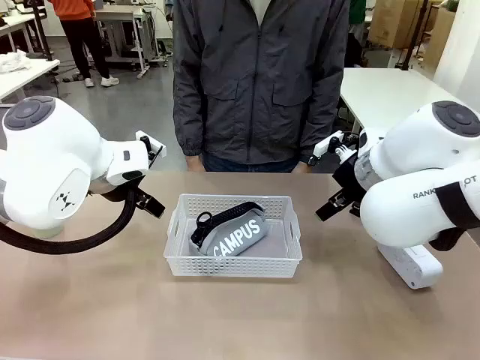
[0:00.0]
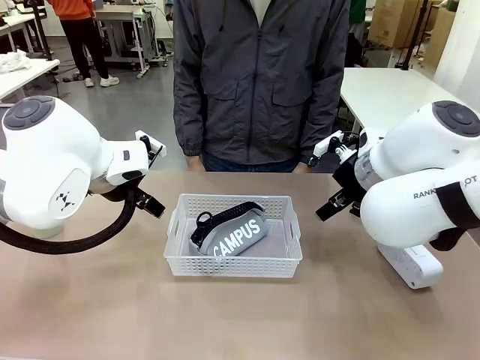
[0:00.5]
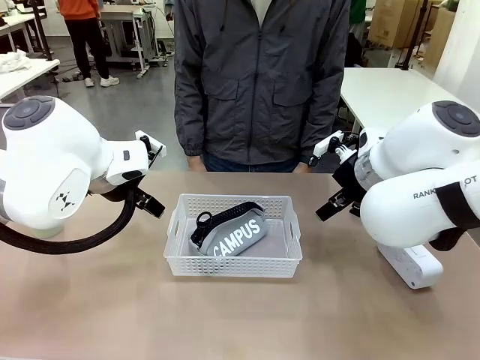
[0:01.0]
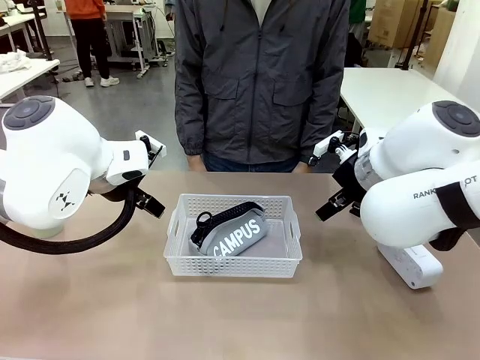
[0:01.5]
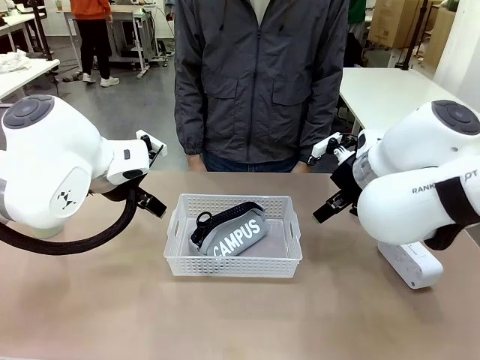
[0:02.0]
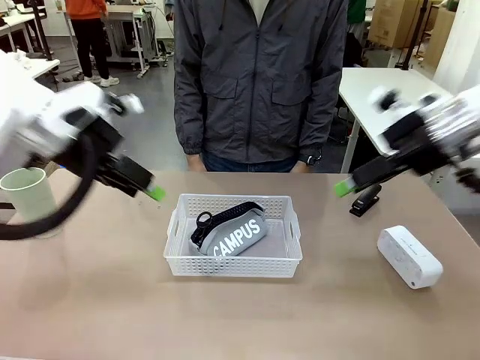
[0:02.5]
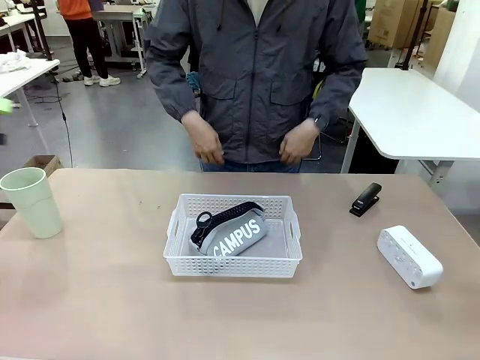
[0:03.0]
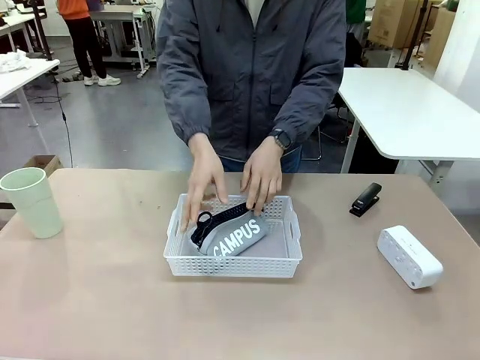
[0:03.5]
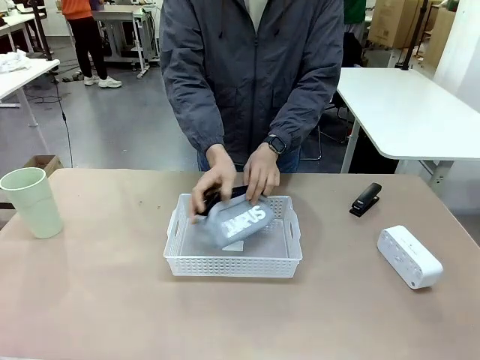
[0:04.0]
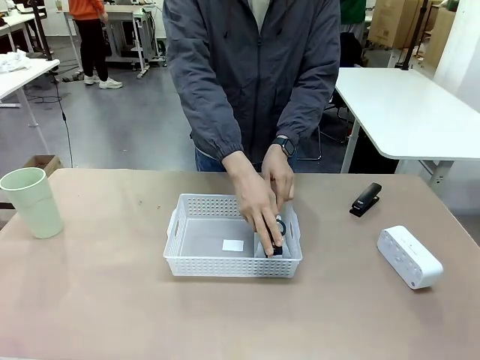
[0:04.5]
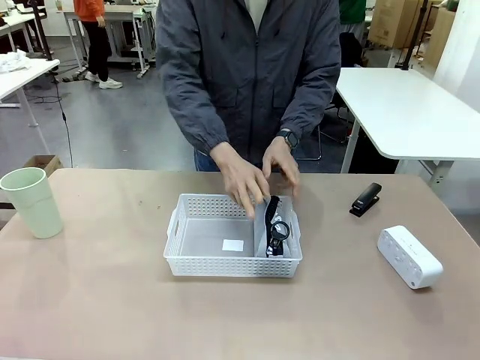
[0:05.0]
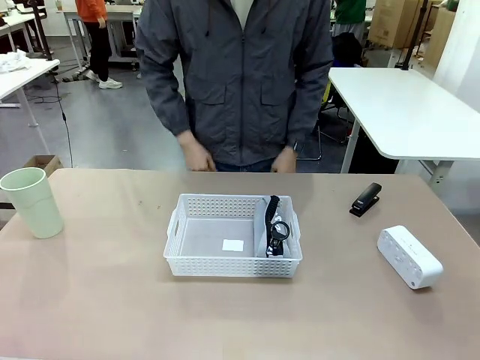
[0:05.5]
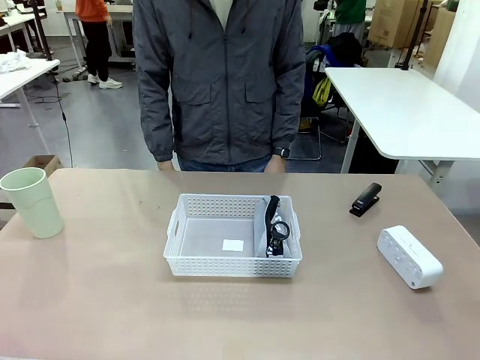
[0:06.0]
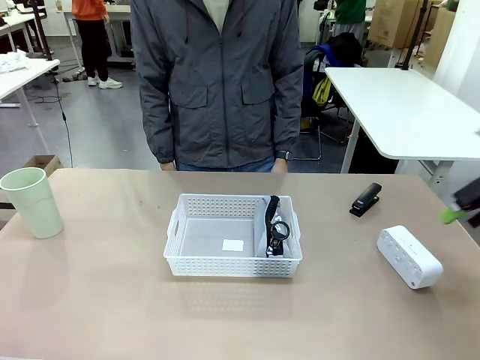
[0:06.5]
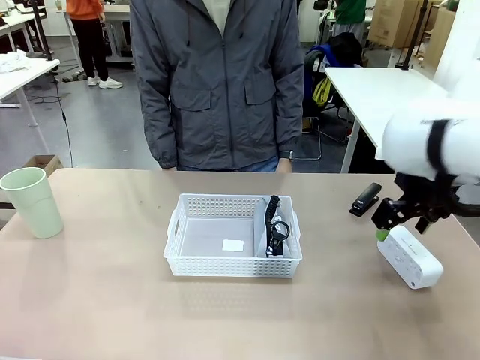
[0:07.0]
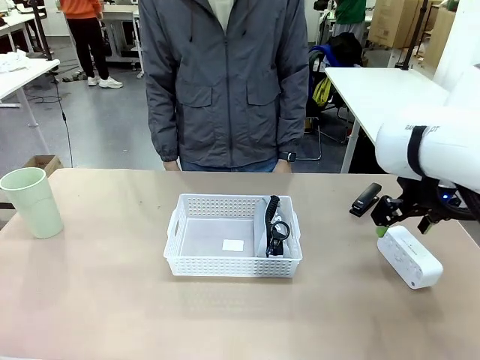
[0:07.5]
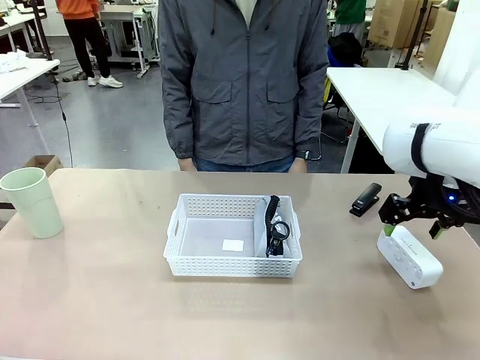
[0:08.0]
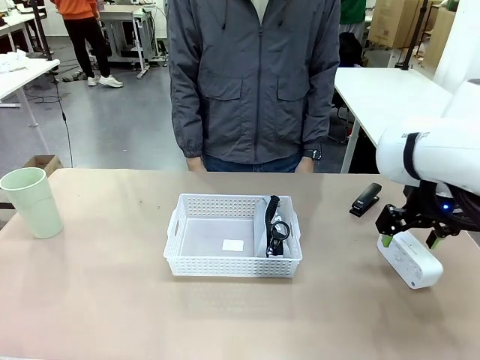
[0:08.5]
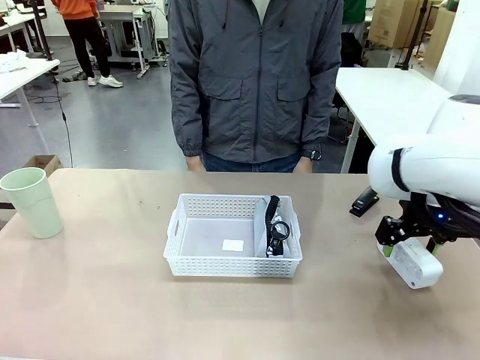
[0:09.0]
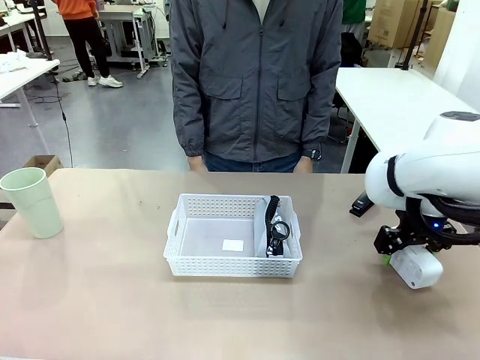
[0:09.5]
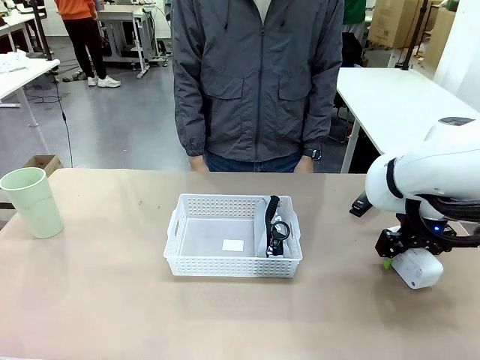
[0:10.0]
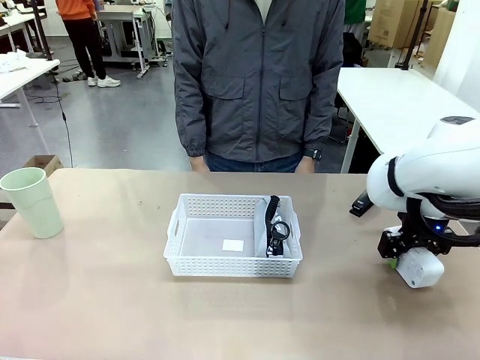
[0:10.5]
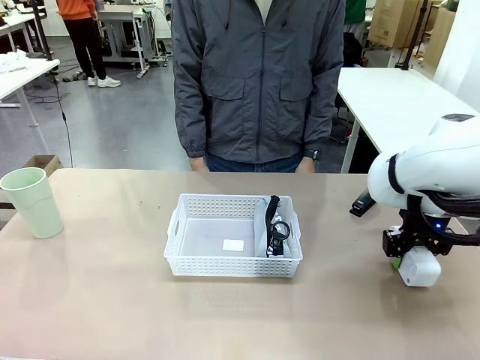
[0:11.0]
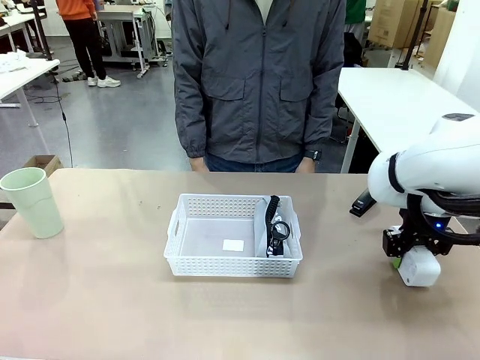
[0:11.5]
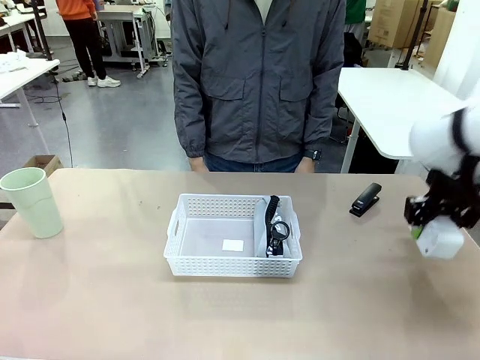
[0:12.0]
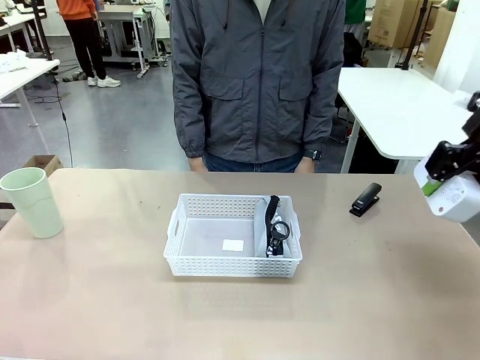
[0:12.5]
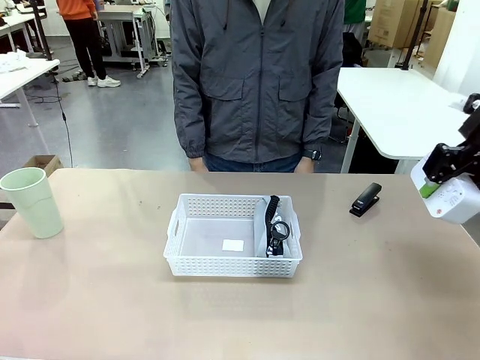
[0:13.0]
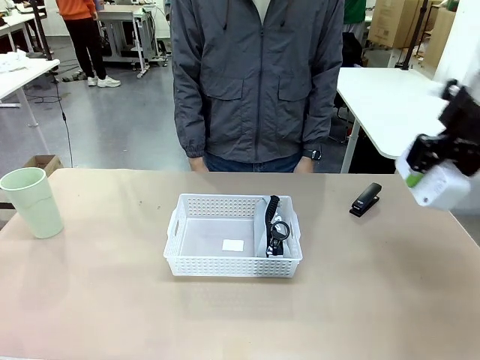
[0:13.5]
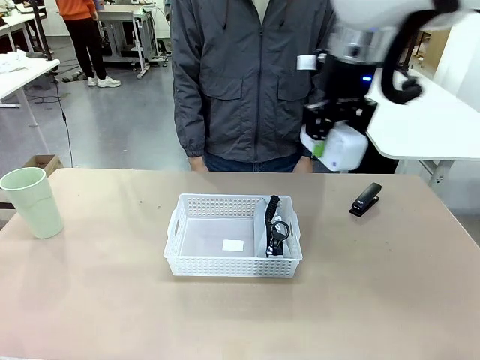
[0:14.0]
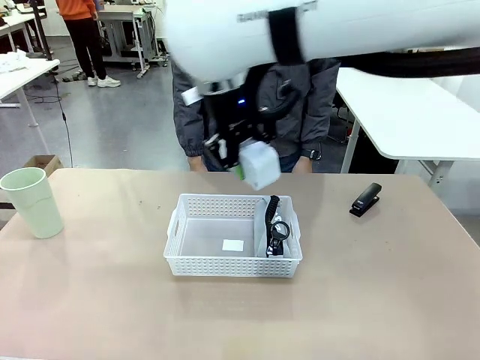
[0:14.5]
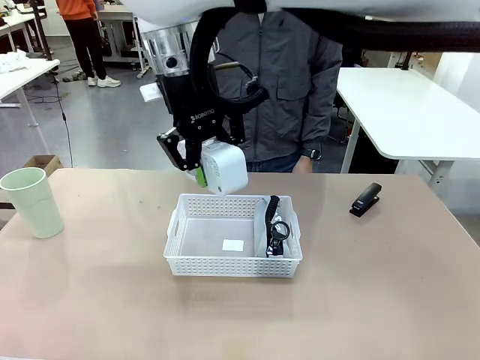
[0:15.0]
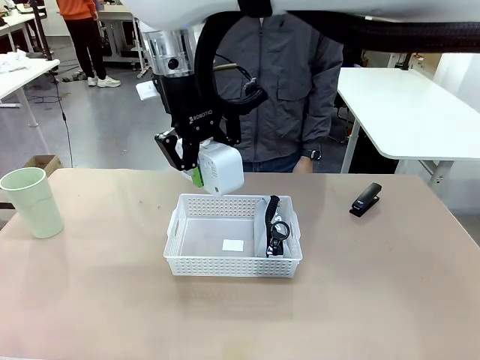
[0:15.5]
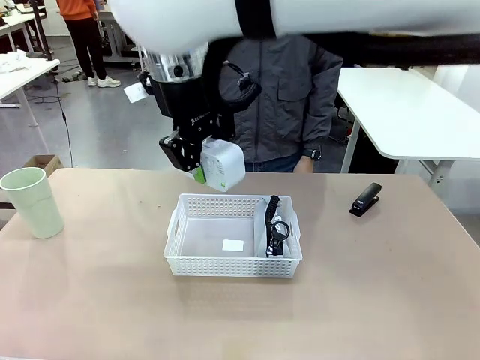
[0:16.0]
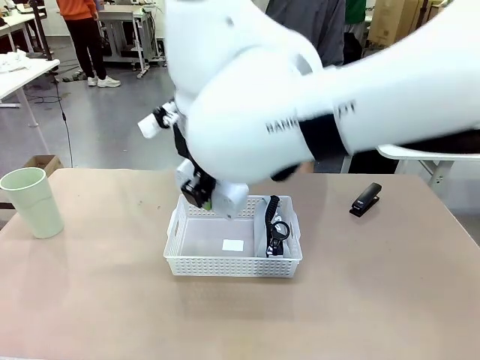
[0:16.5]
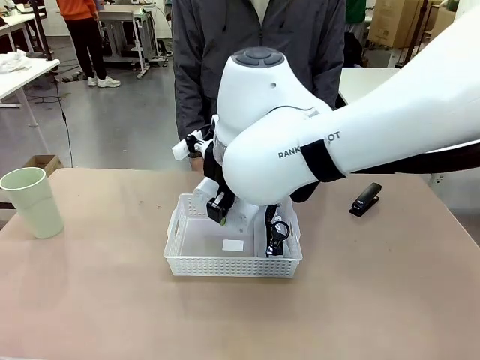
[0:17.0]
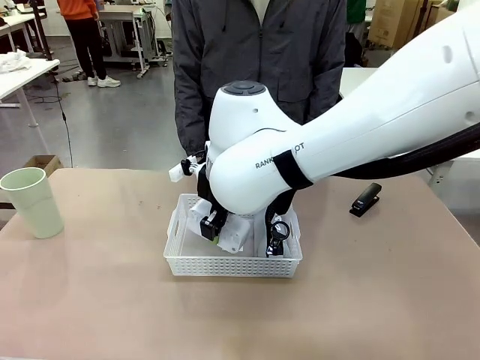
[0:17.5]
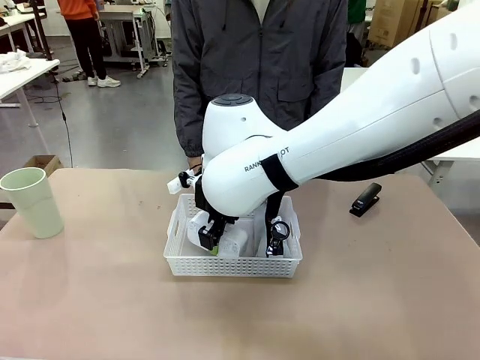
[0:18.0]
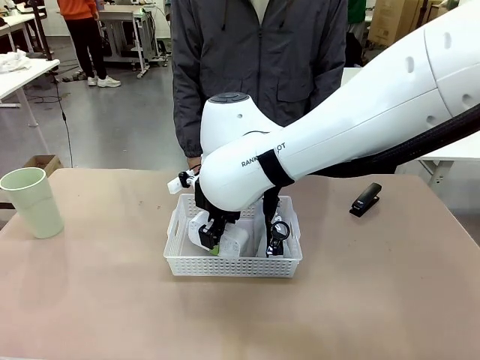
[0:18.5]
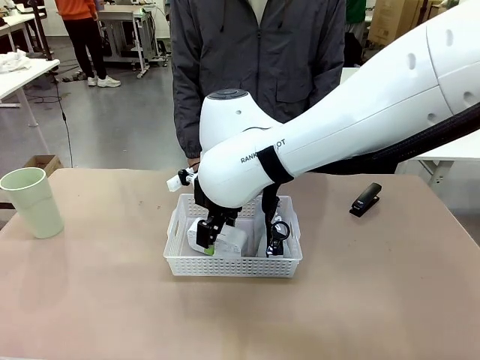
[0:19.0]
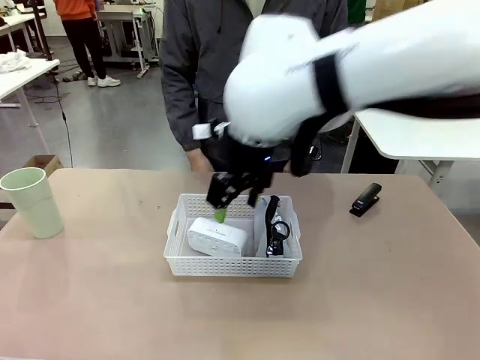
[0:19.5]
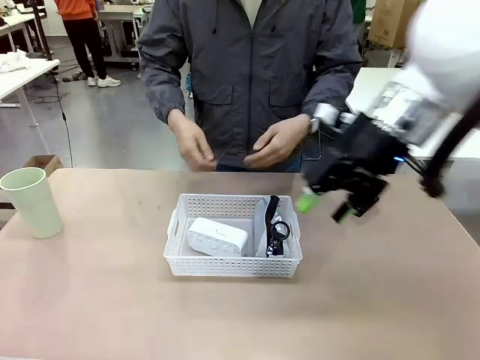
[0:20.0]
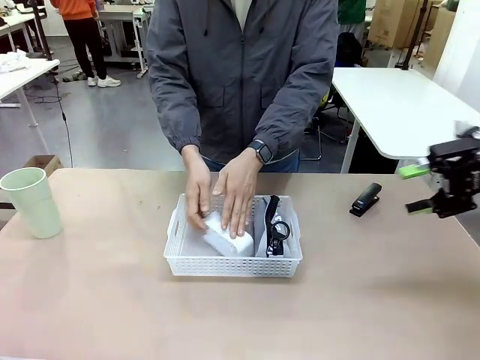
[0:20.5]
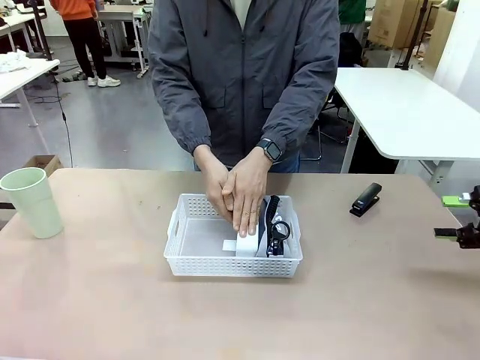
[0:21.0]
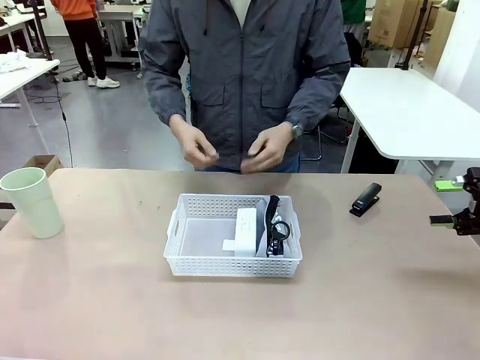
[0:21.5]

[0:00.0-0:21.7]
Task: Efficiently arrange items inside the basket to fit them all.
Robot: Pick up the Digital clock and place it inside the Organizing basket.
Person: Repositions the pencil case. Repositions the digital clock.
